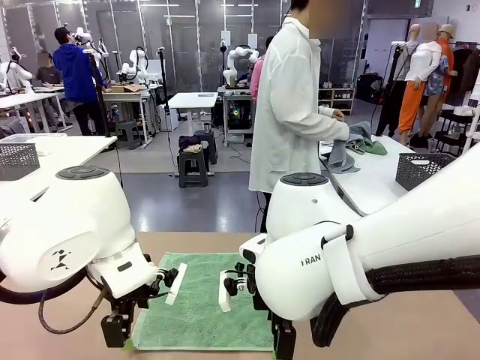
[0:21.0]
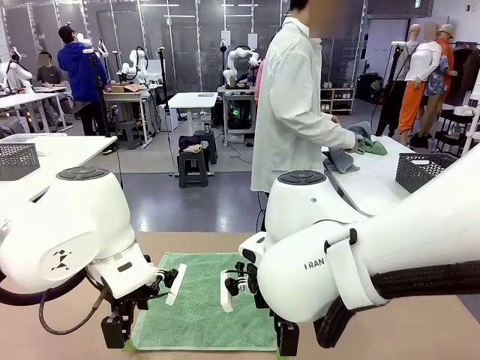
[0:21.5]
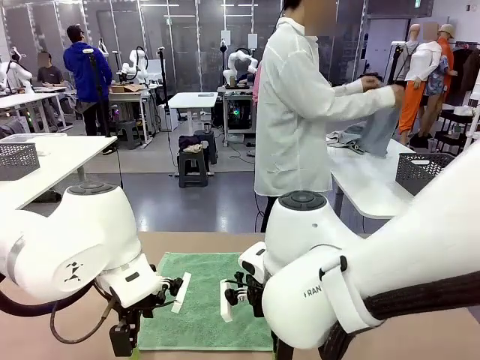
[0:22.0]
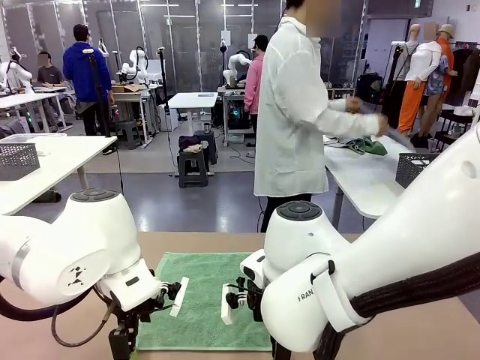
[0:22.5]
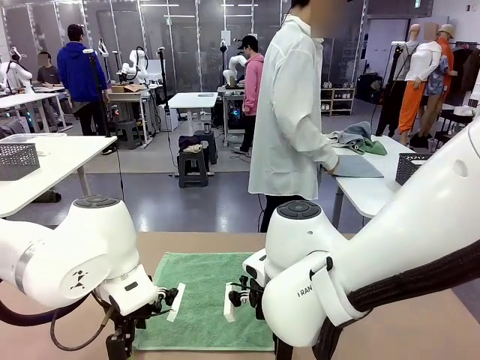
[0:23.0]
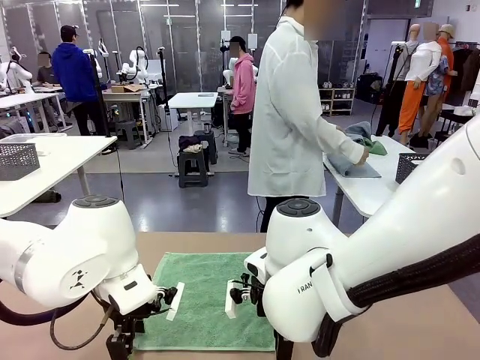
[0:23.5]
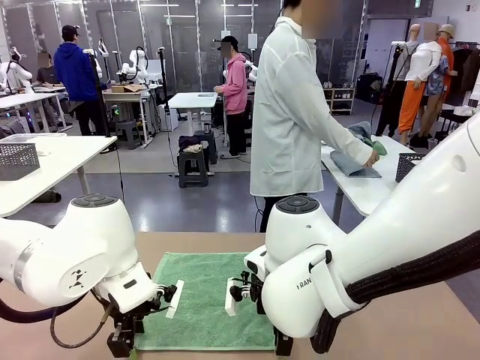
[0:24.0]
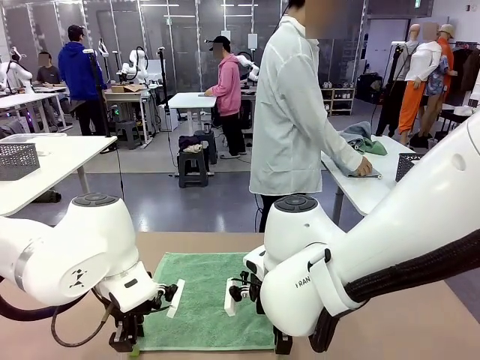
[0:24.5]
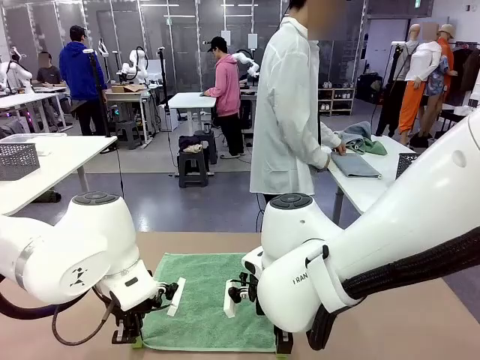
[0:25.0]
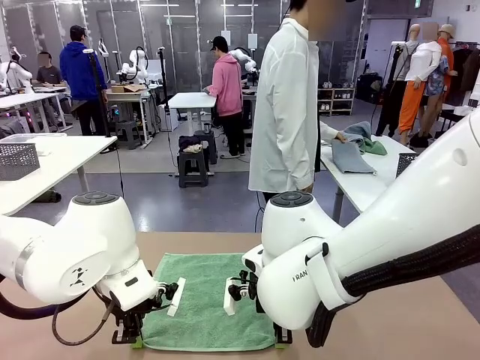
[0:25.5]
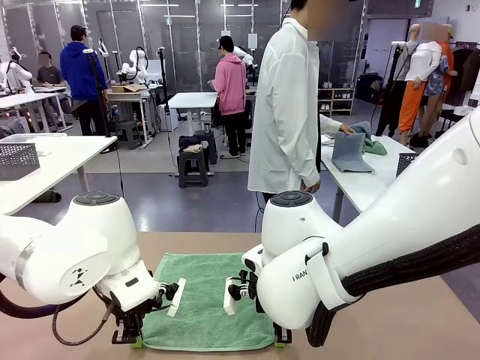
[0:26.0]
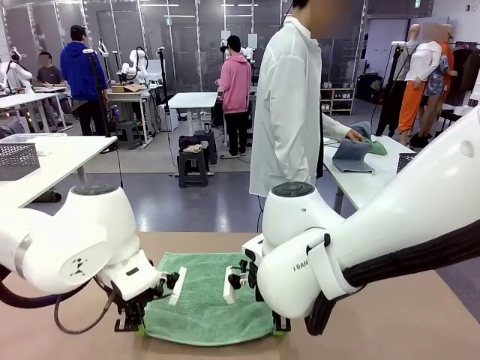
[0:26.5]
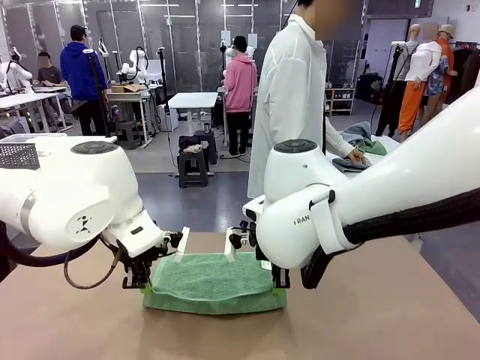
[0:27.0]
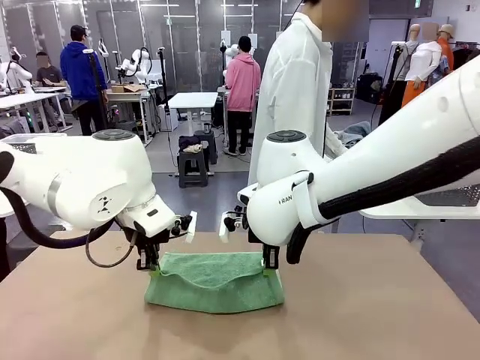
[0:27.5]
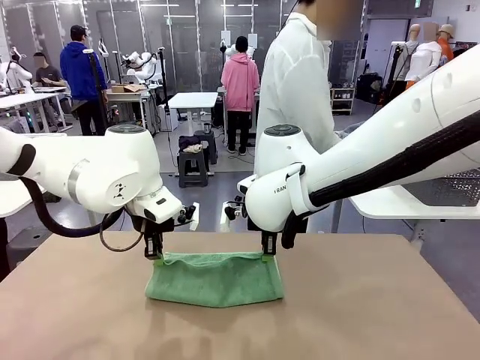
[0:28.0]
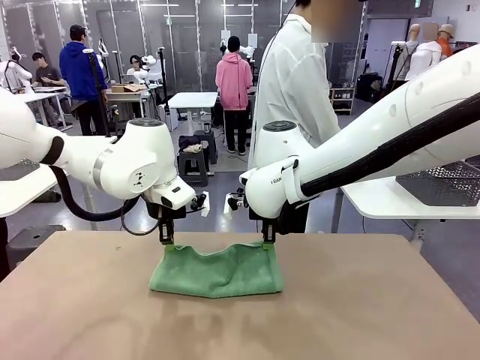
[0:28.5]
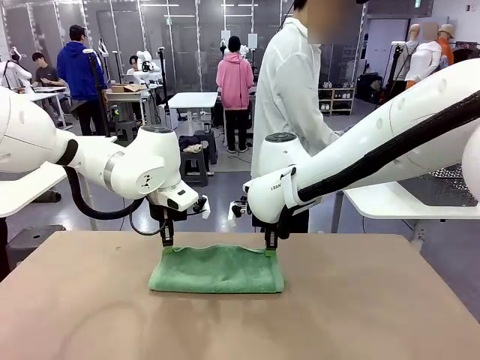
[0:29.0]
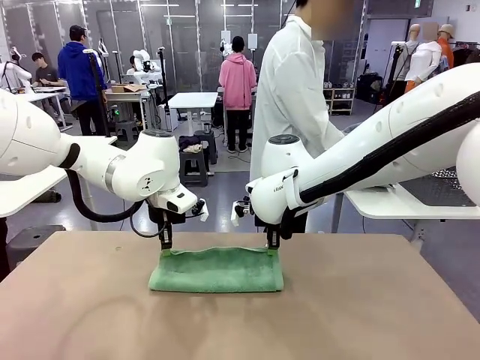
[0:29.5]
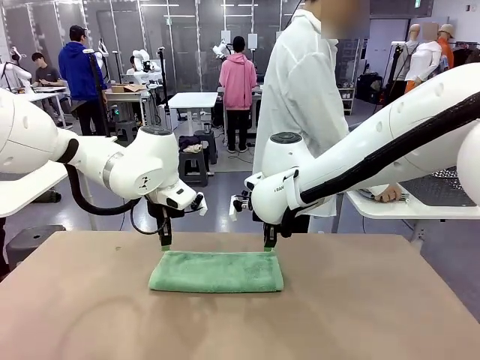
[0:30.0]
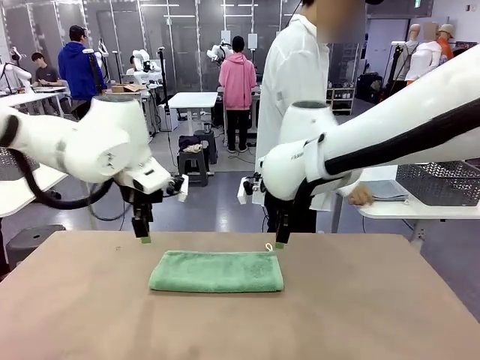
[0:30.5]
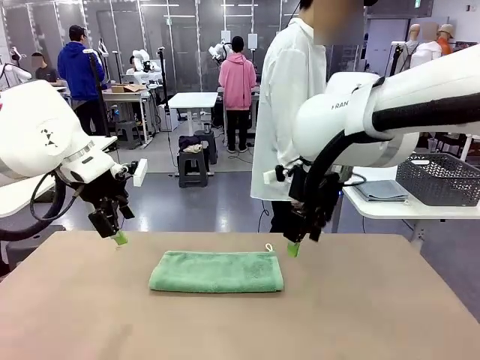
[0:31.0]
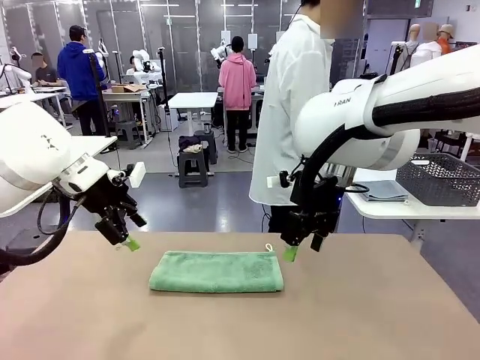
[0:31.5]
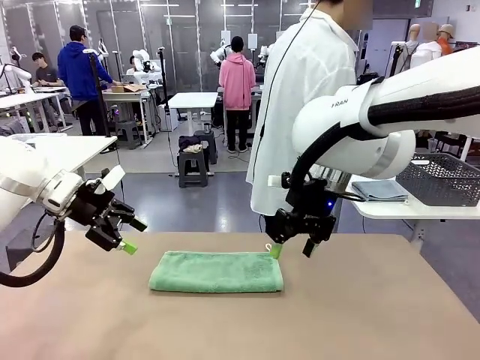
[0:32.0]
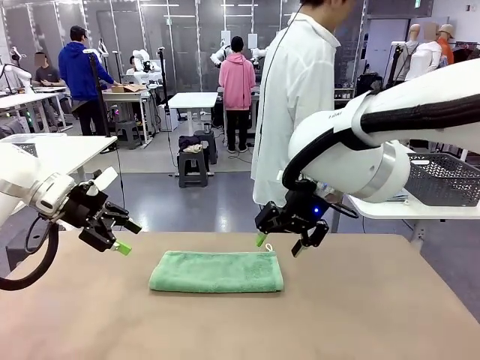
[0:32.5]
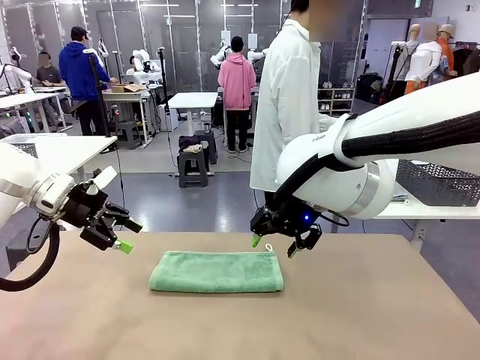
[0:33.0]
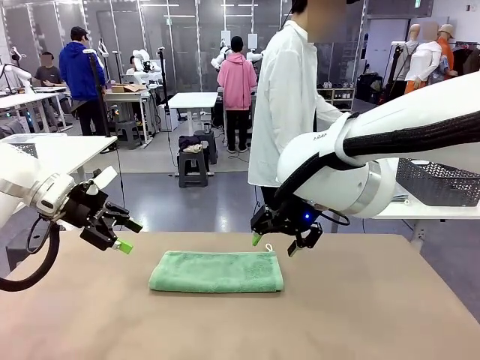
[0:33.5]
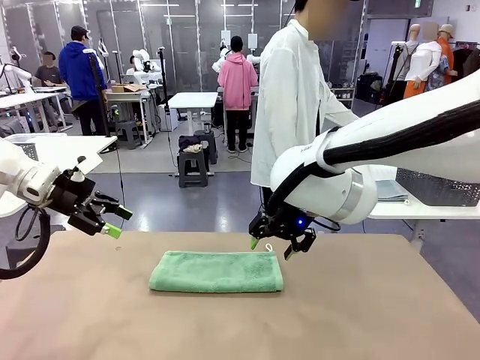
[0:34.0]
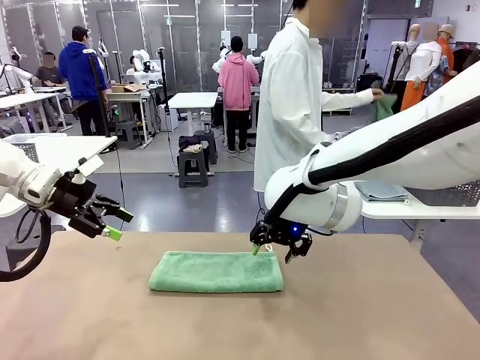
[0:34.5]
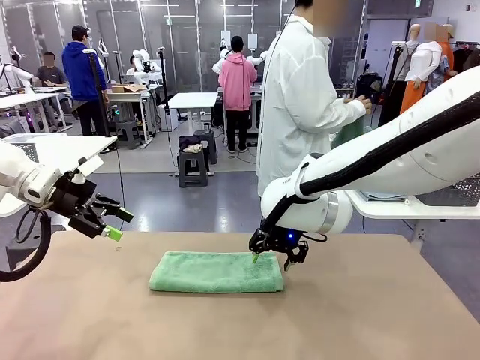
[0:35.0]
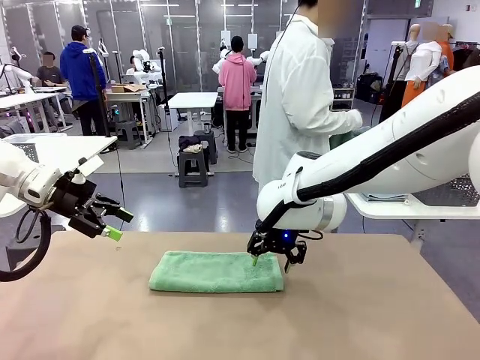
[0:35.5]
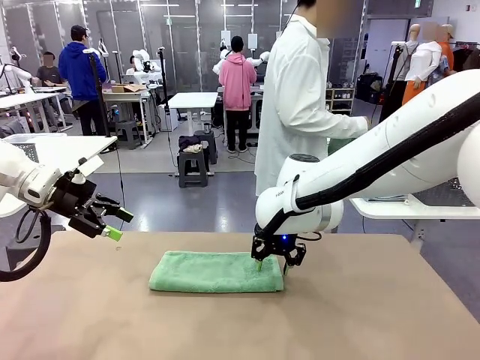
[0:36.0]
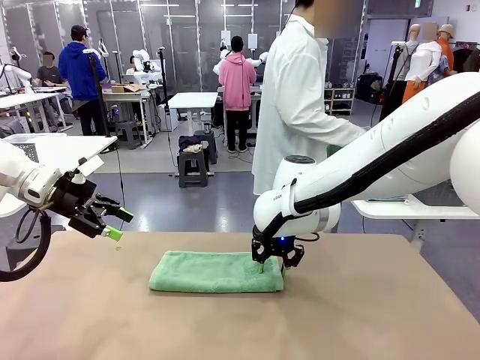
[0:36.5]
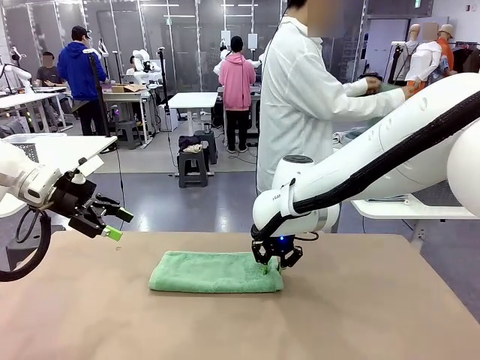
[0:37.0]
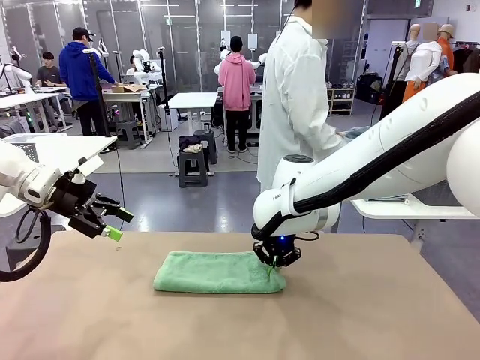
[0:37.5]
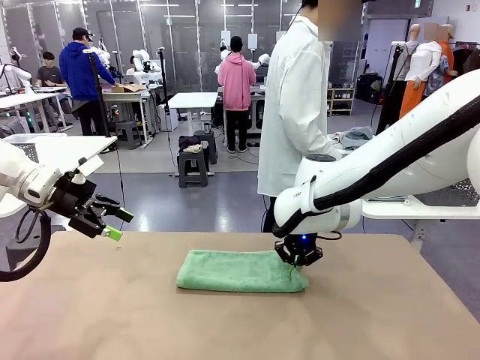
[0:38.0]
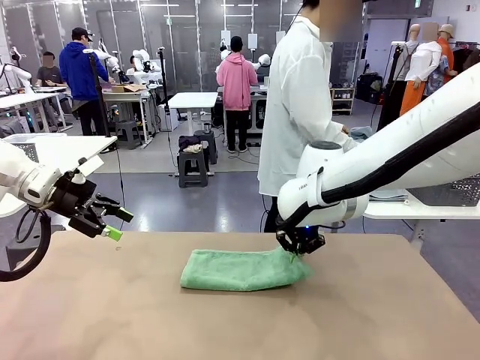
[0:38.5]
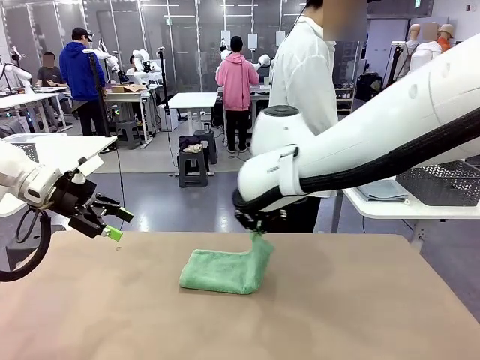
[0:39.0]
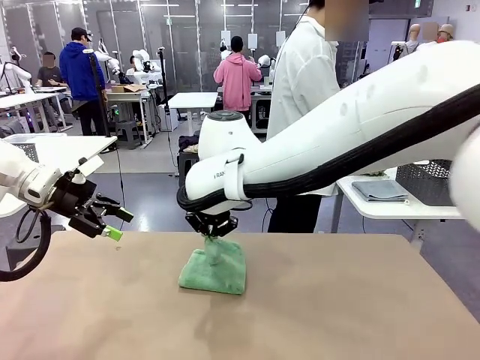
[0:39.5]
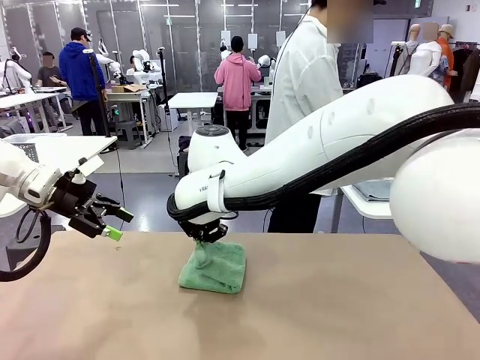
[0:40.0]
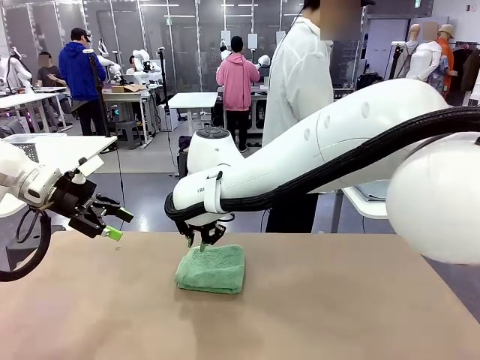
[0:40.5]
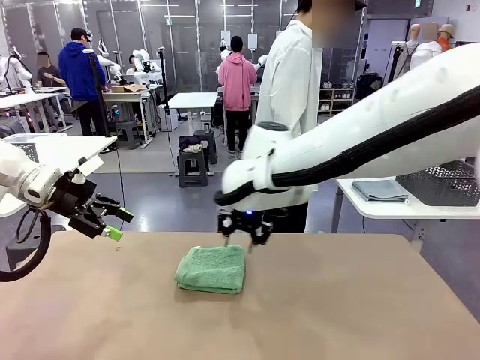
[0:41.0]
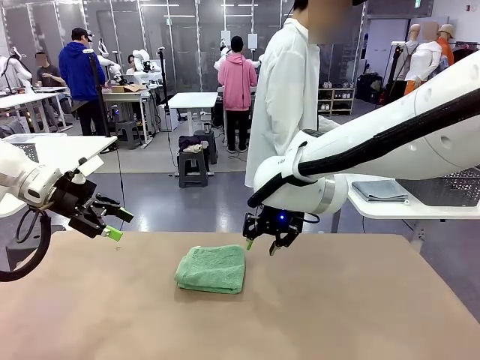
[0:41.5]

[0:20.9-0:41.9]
Task: Fold the towels and place them in the basket.
Robot: When a person lays out a Towel with hook on the table, fold it in half twice.
Person: Pick up one towel from the left side of the human table, fold it in half twice, and place it on the right side of the table. Pick up one towel from the left side of the human table, fold it in half twice, and stack it on the right side of the table.

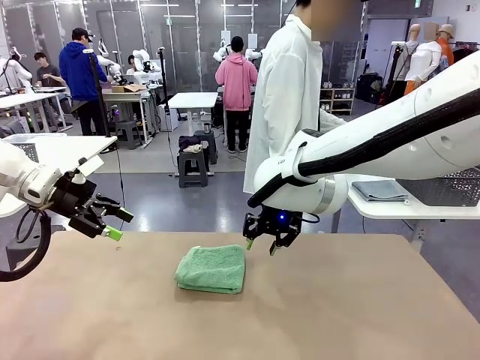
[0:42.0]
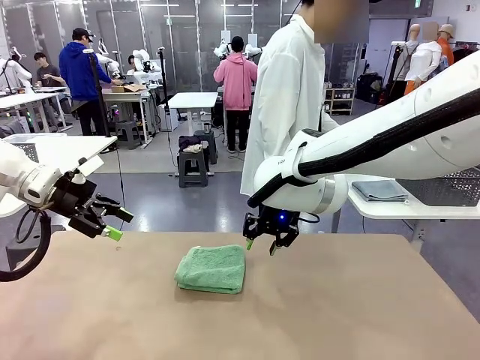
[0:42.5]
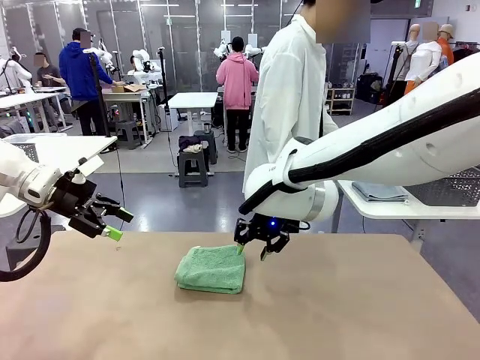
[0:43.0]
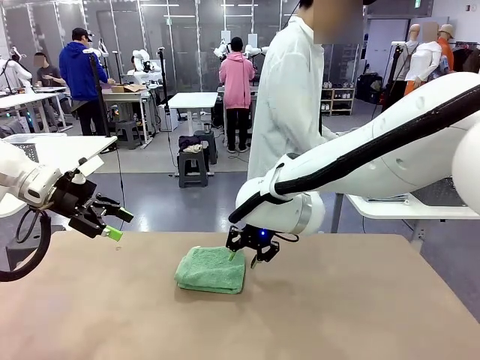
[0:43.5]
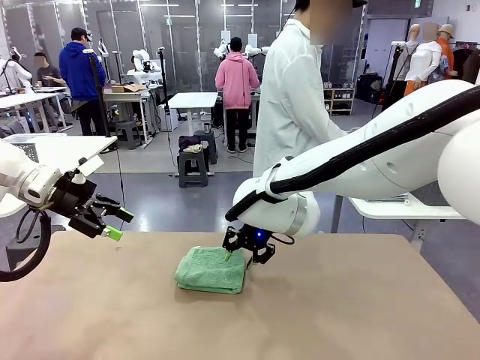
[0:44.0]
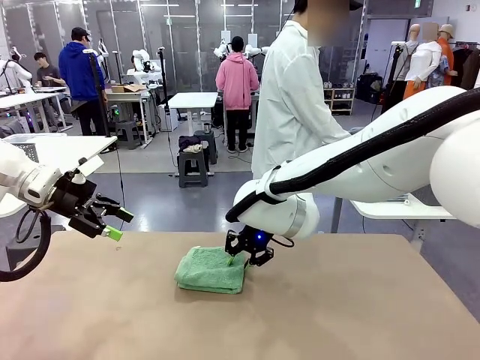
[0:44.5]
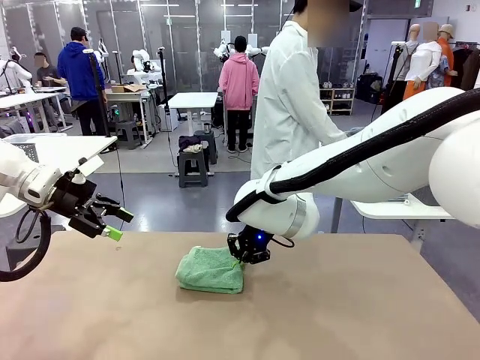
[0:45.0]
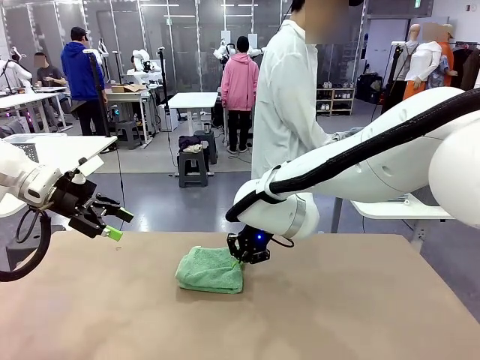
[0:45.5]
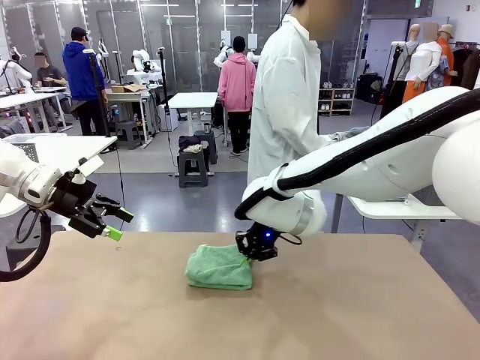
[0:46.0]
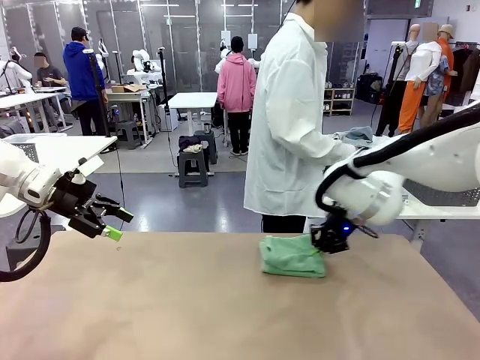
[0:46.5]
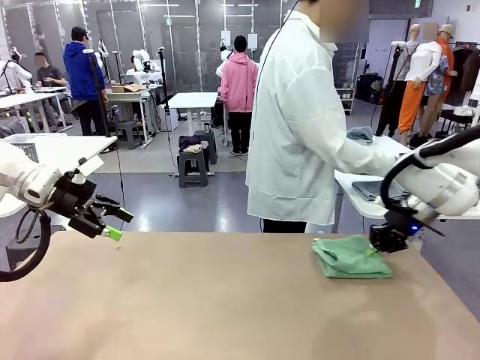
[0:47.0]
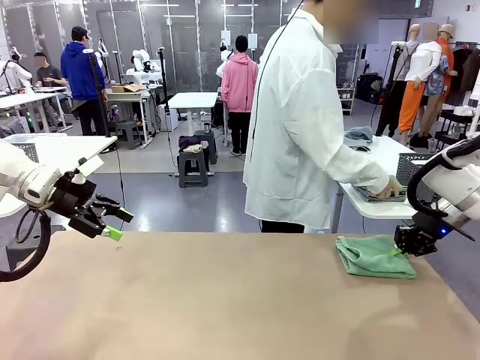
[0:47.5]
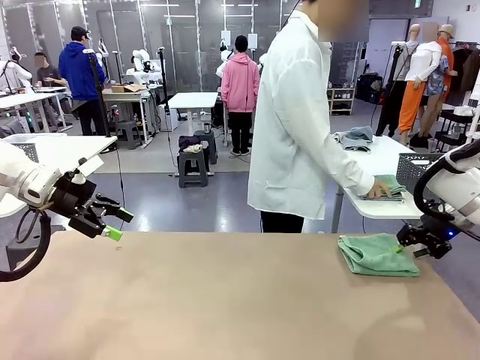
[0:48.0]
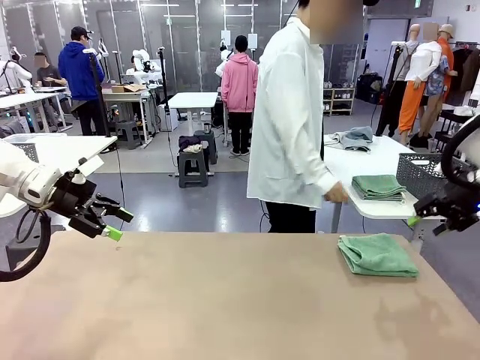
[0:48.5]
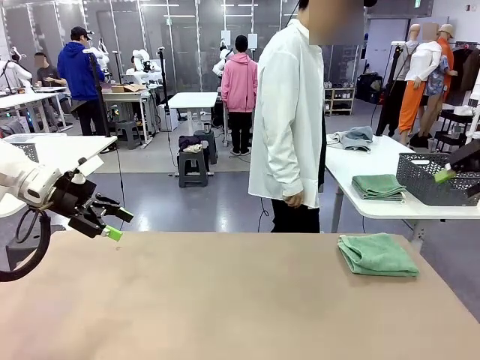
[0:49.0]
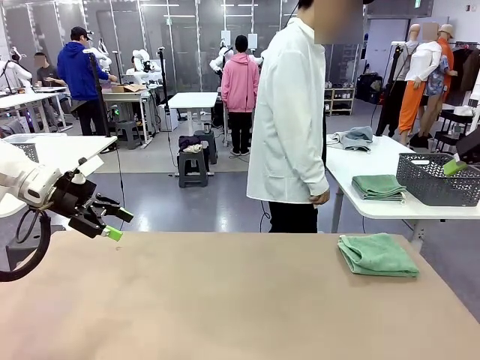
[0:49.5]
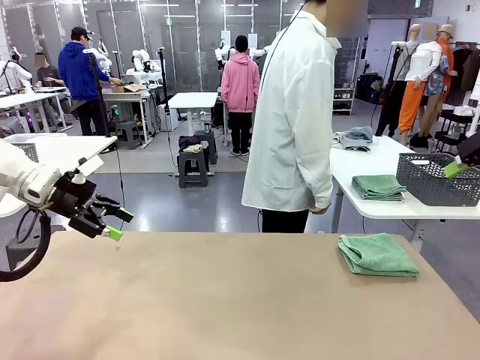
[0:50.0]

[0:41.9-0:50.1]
Robot: Place the folded Towel with hook on the right side of the table.
